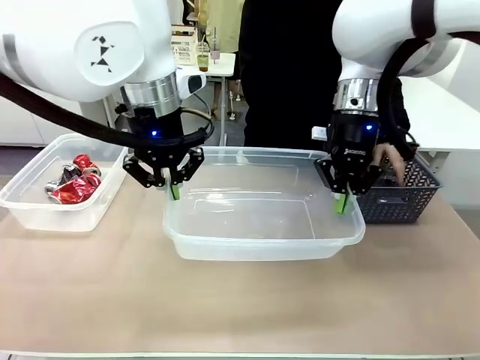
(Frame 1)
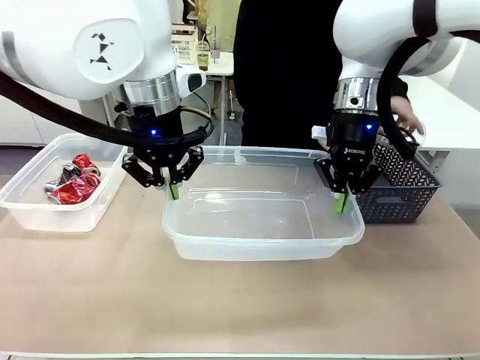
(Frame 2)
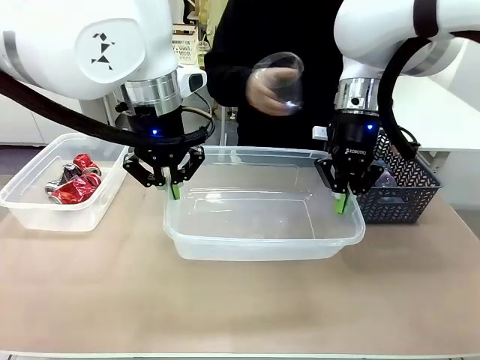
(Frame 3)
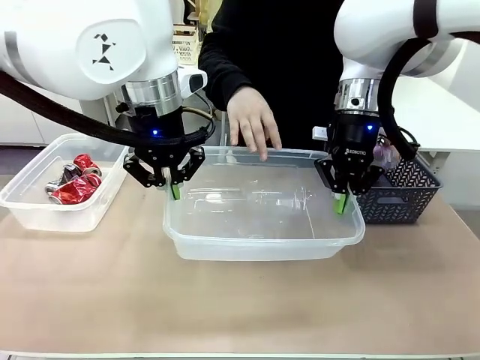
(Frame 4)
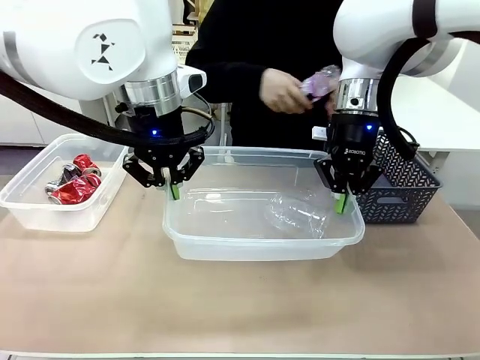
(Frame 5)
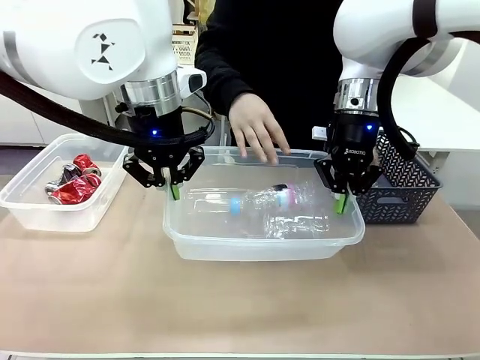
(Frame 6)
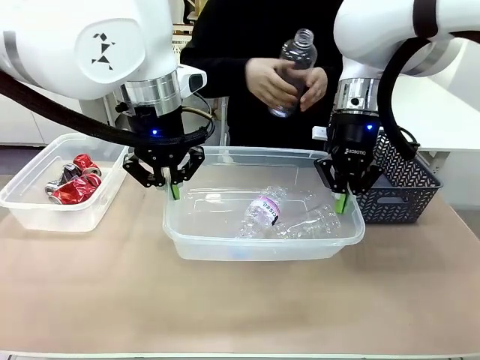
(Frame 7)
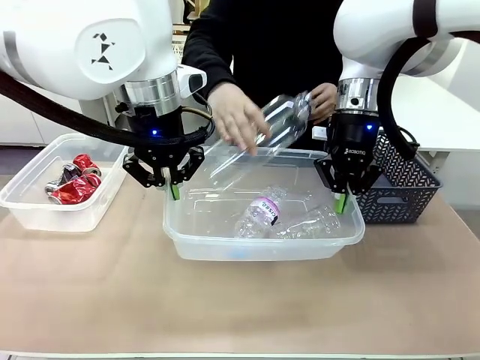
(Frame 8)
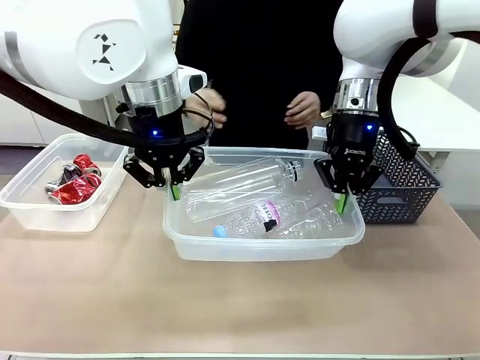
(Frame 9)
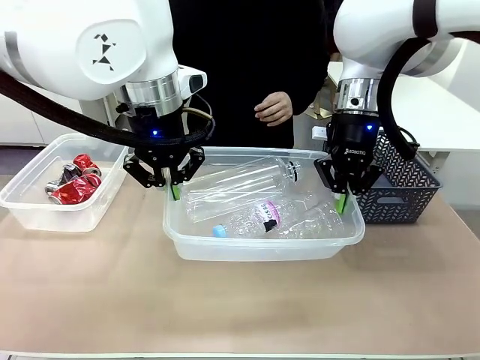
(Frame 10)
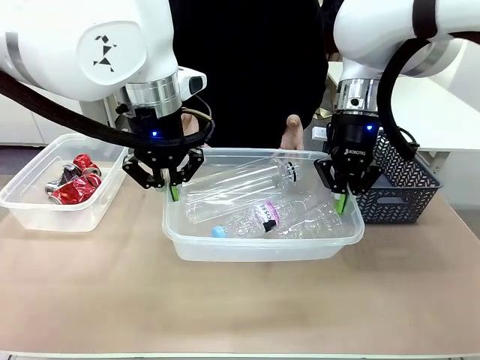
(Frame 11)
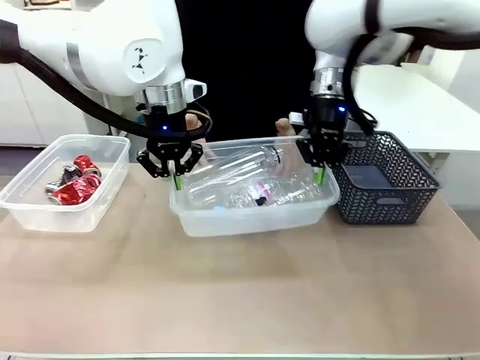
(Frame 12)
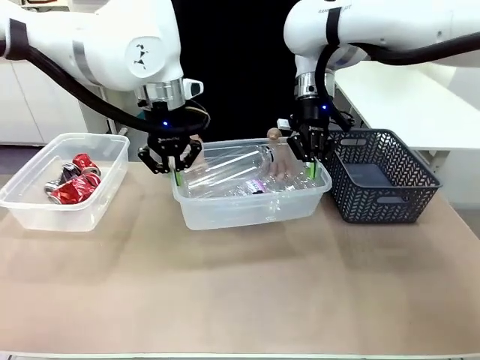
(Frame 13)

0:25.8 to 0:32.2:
Robot: Offer the picked Organizing box to the human.
Person: Pick up plastic waste one by one and place it into the organizing box lifted by the robot.

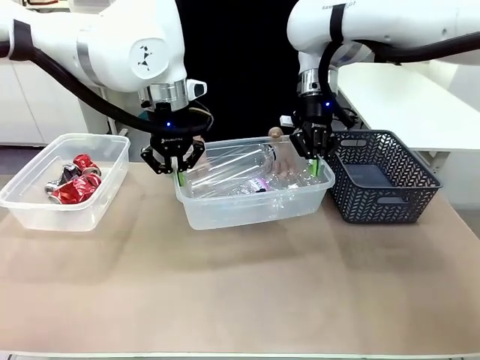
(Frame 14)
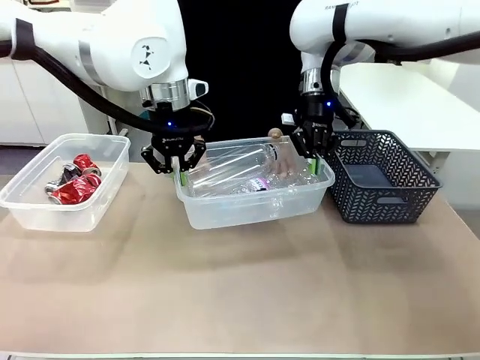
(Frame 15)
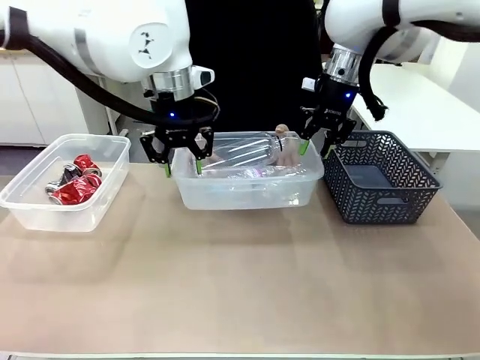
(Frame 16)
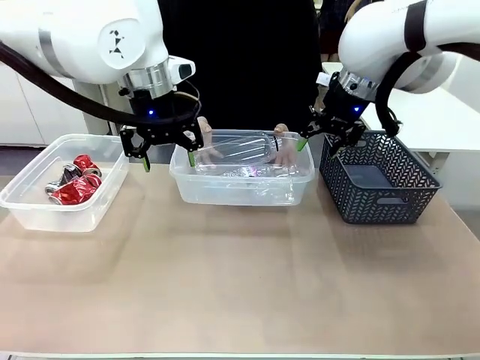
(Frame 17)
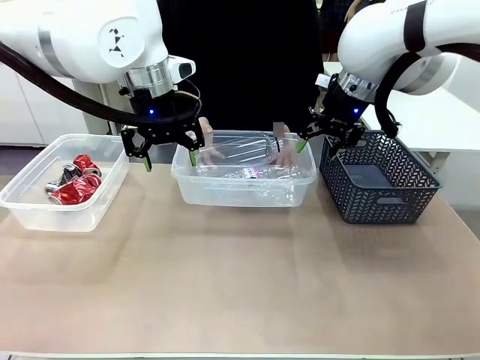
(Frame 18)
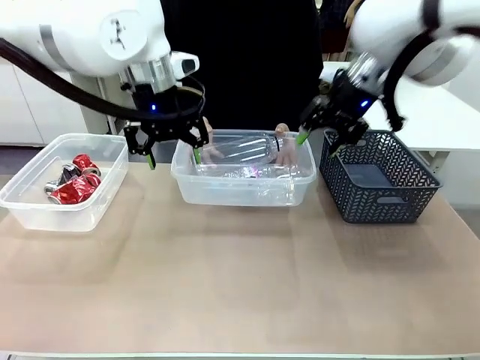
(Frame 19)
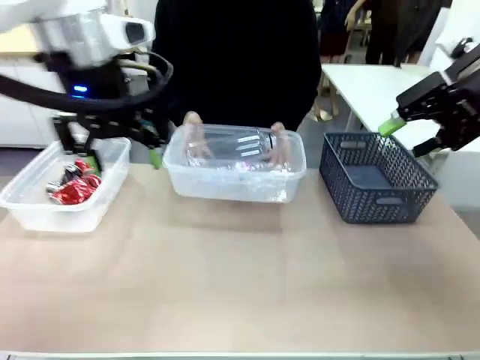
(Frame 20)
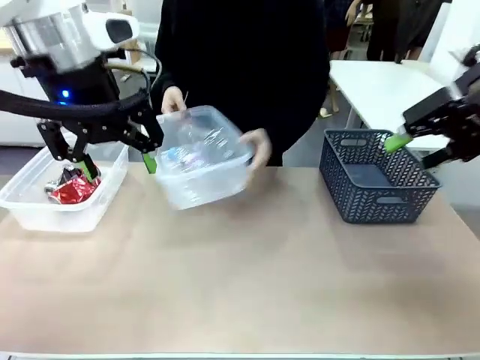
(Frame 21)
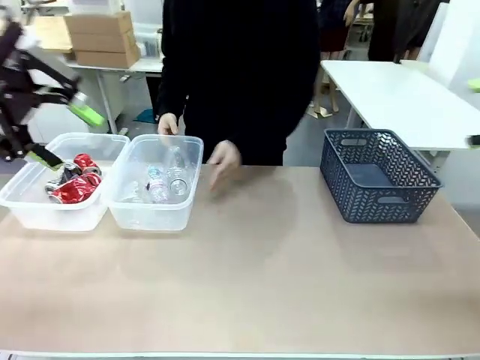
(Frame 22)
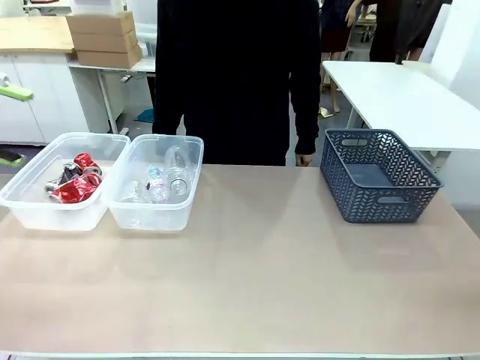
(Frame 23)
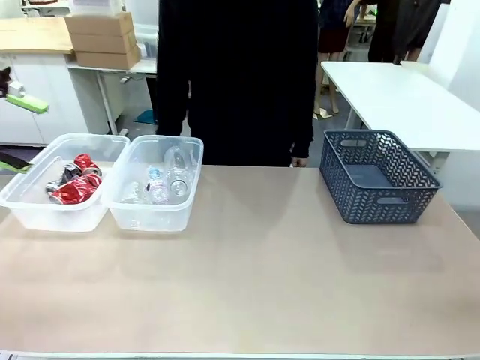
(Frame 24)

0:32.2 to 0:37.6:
Robot: Release the Organizing box you were holding.
Person: Pick up the organizing box extended by the robot. Place the organizing box to the left of the sorting box containing the can waste.

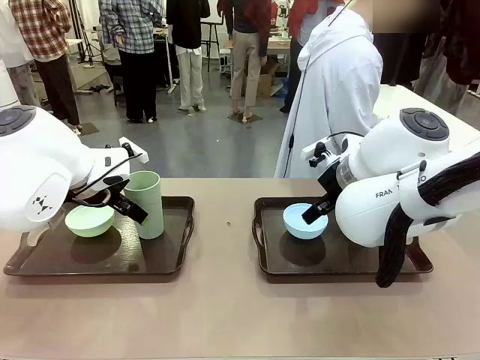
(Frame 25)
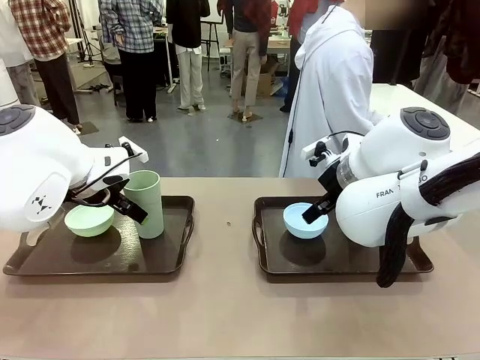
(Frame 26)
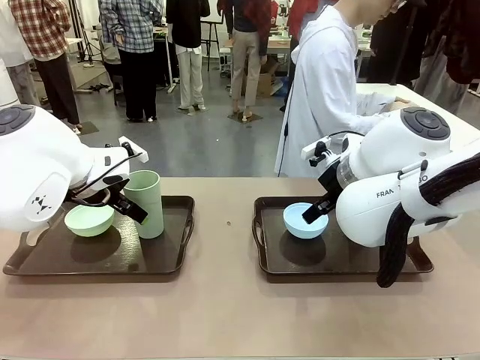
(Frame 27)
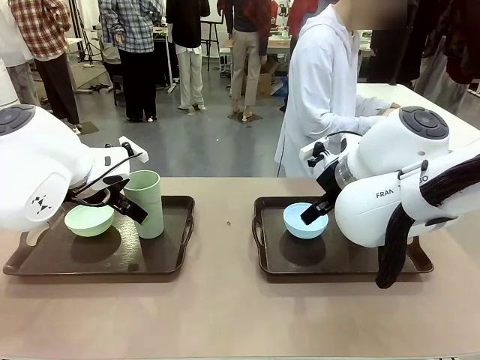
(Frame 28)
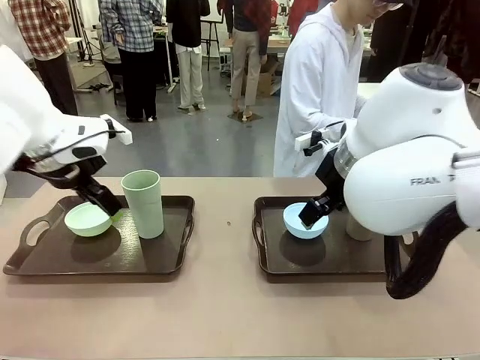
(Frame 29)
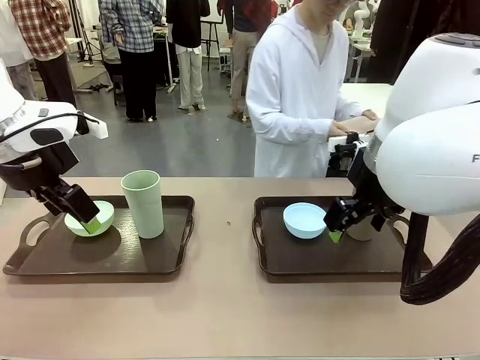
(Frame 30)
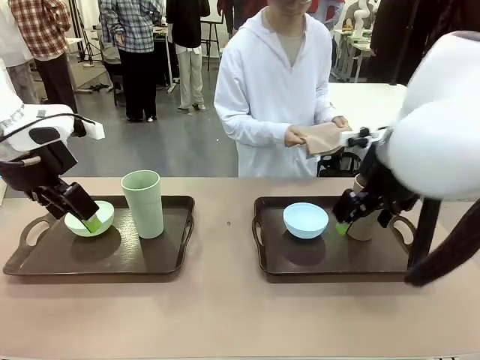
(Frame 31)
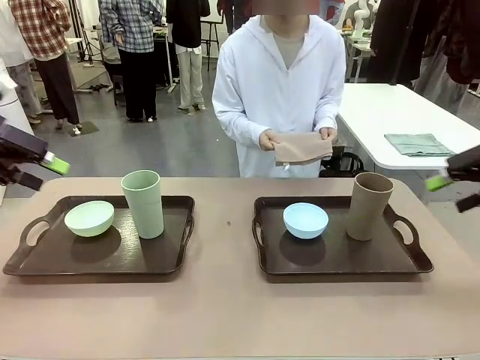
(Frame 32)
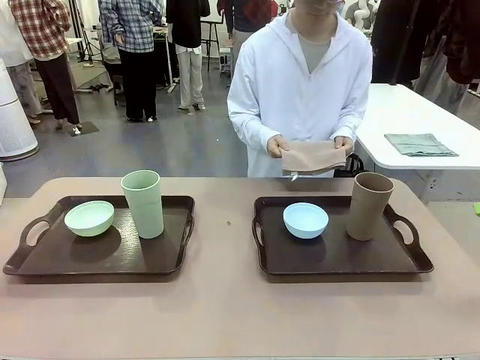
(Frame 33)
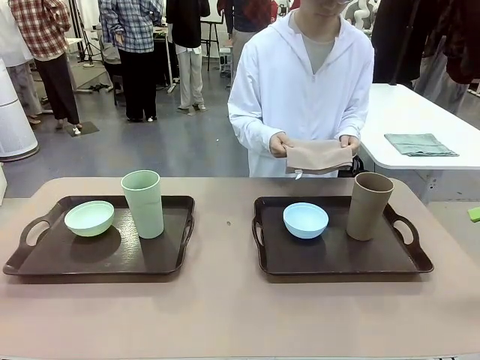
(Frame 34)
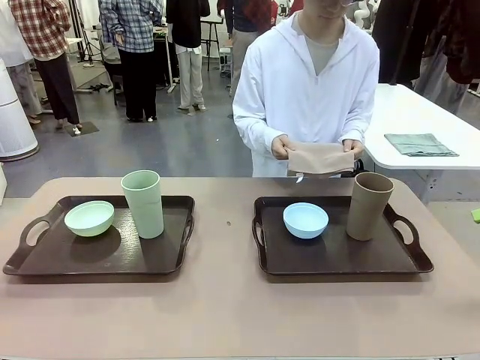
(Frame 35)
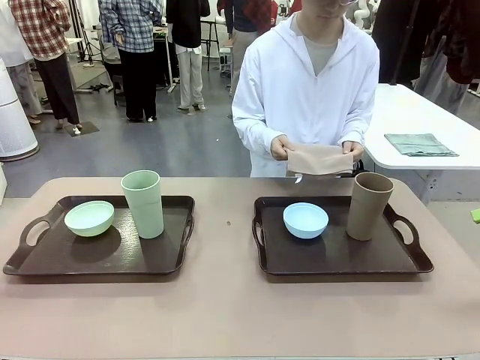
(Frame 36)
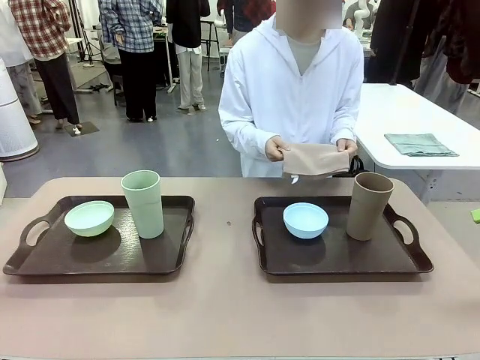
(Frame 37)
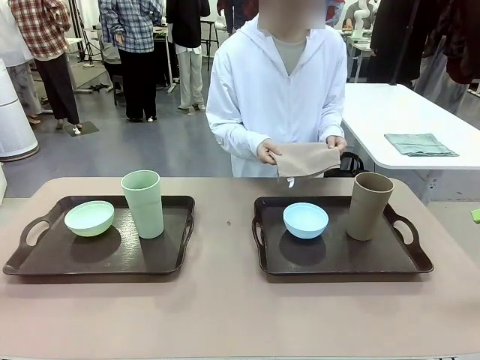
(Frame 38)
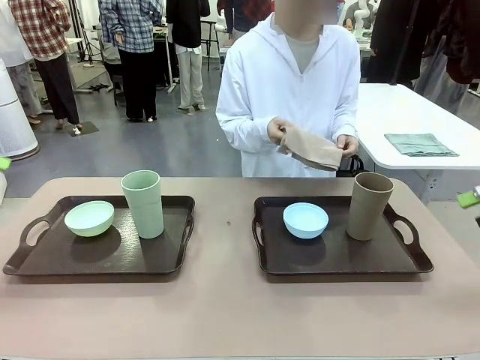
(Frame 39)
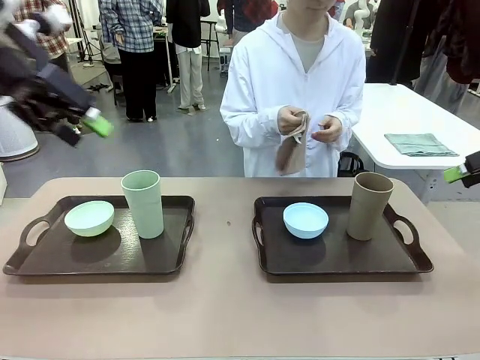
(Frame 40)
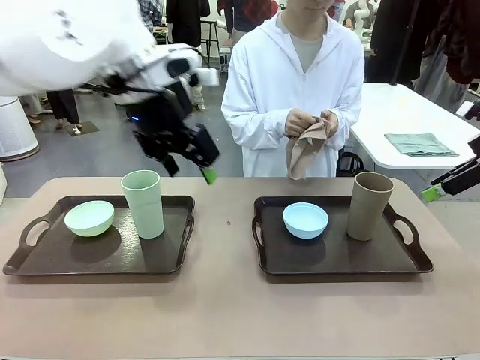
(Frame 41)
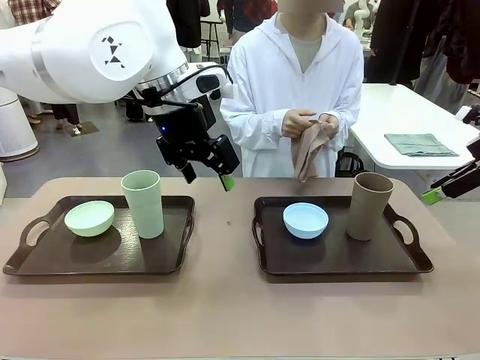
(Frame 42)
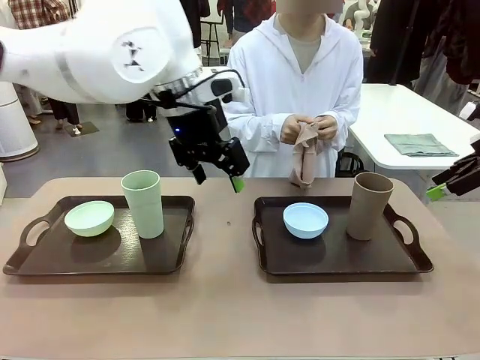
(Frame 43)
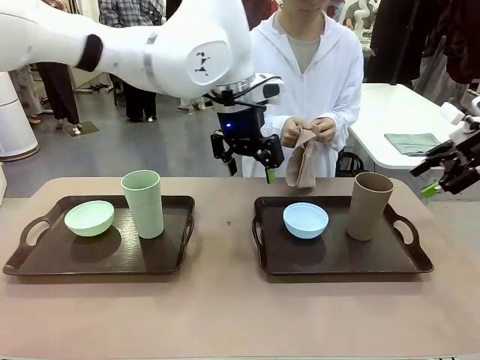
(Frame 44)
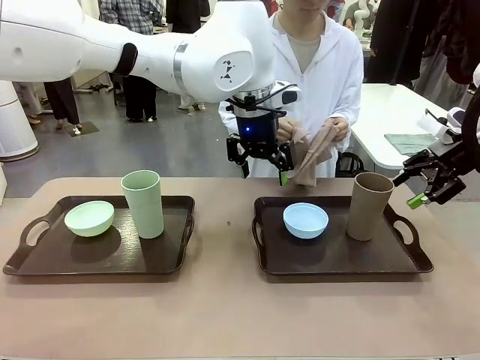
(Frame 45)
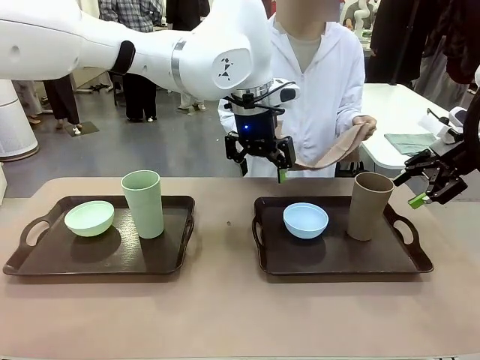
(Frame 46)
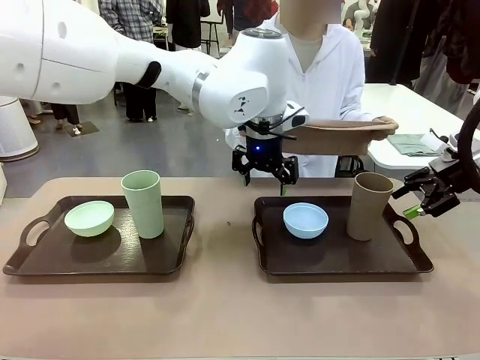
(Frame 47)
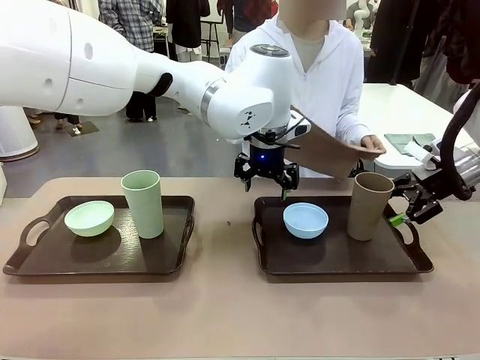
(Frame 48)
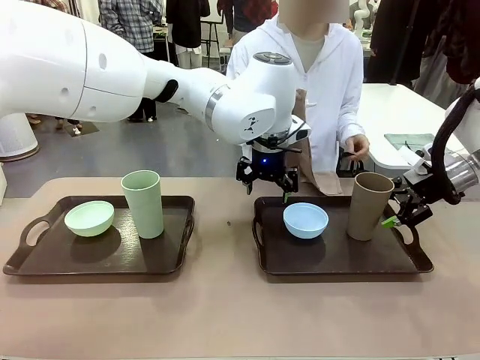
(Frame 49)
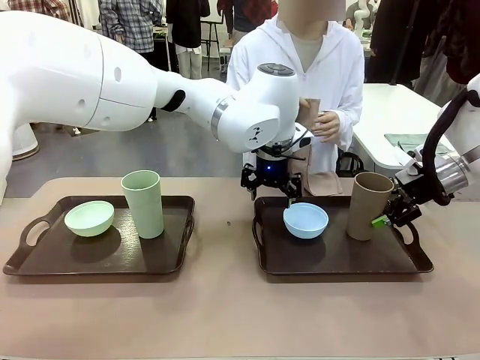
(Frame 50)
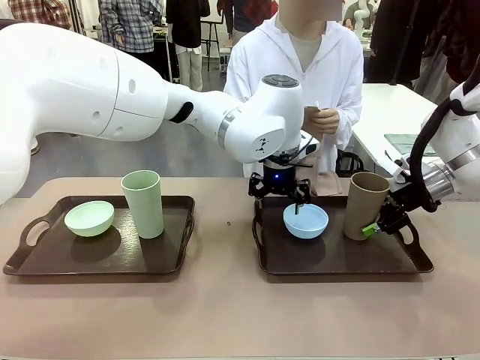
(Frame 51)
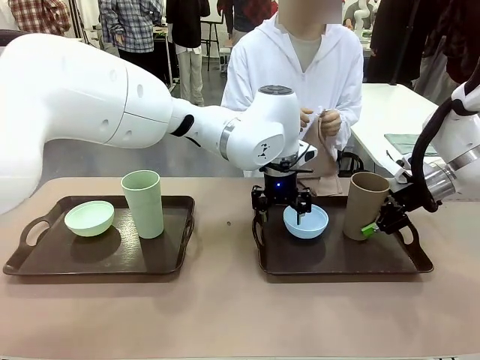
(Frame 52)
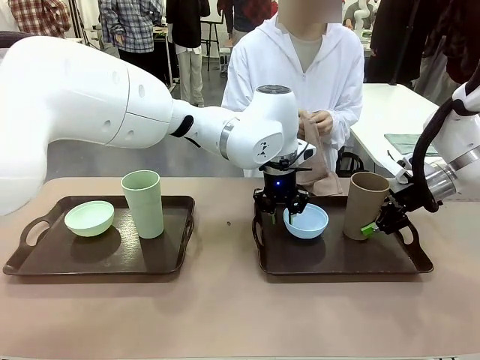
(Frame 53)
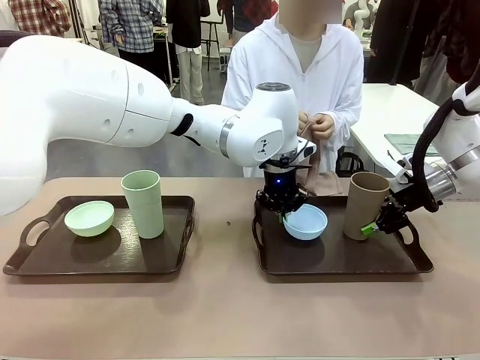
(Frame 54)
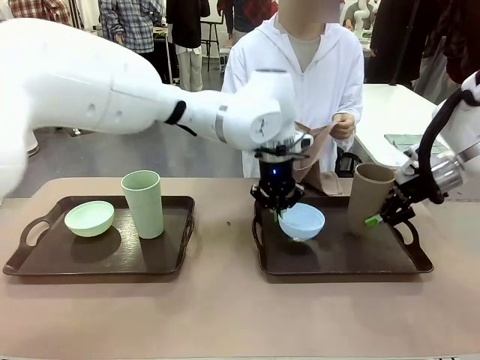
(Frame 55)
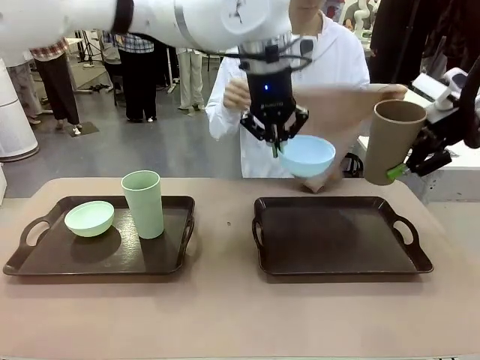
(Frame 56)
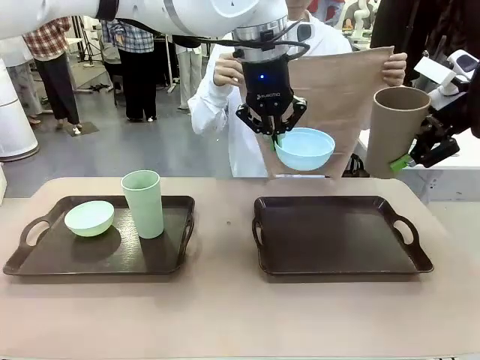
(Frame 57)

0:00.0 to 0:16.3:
Robot: Pick up the Picnic Bowl and Reusable plastic cup from the Handle tray in front of the human's position and hold them in the air.
Person: The human picks up the top napkin from the stack on the human table and walks to the robot table to stand in front of one of the two trays. When the robot lifts the bowl and the cup, the human unfolds the napkin and lays the napkin flat on the tray.
